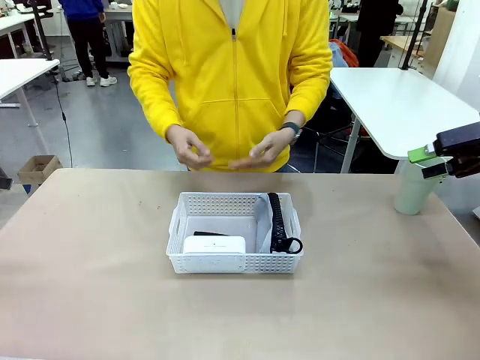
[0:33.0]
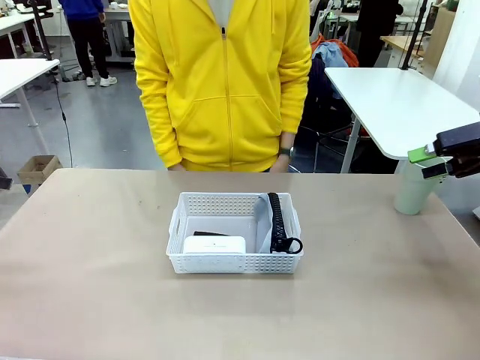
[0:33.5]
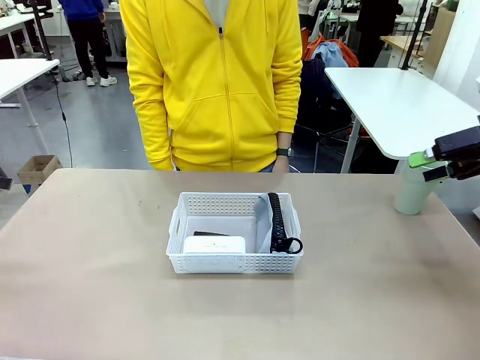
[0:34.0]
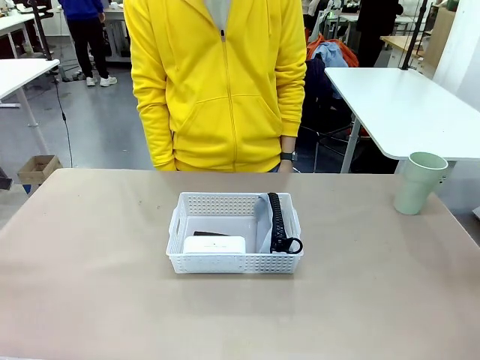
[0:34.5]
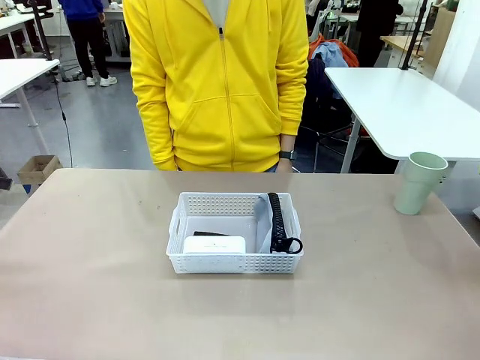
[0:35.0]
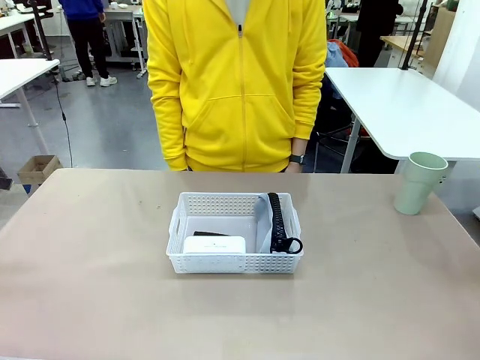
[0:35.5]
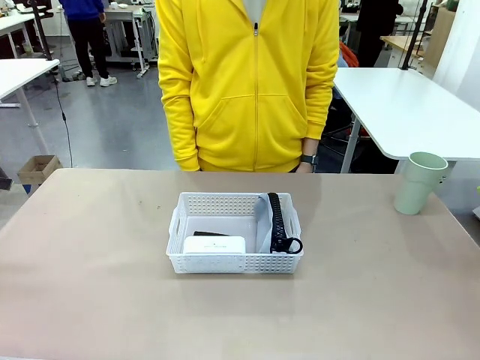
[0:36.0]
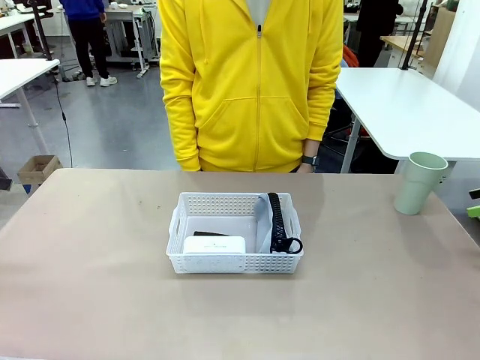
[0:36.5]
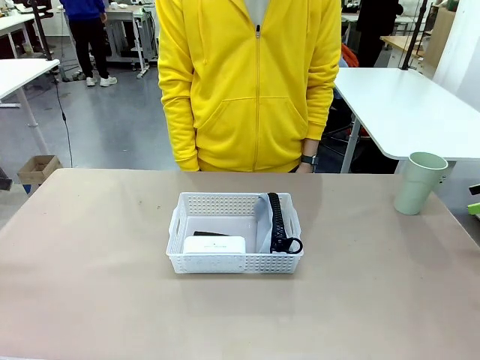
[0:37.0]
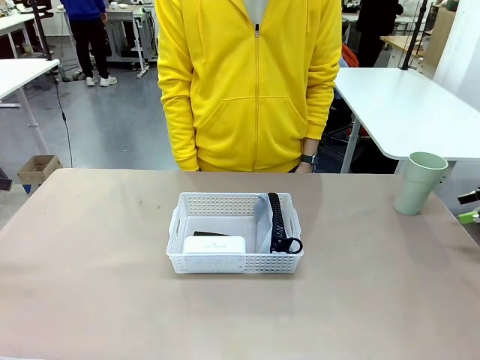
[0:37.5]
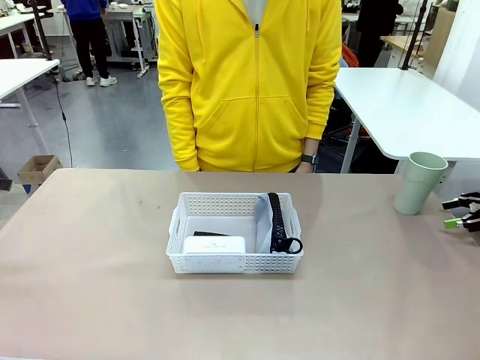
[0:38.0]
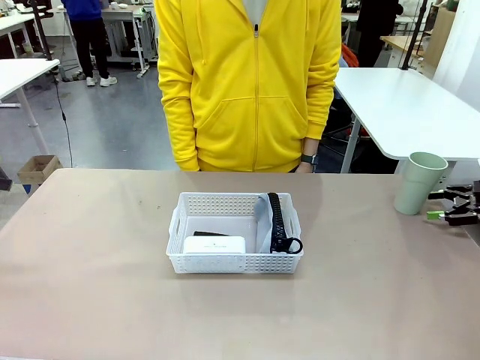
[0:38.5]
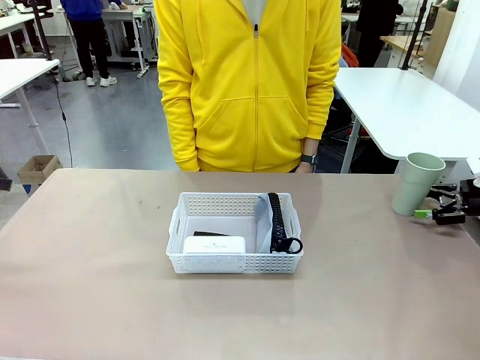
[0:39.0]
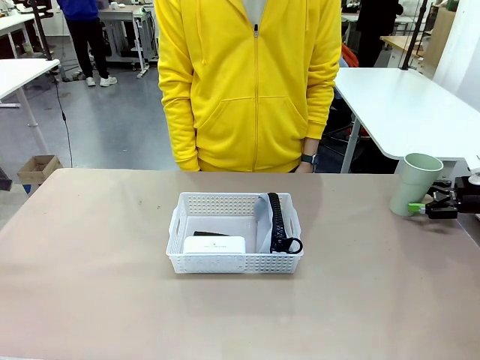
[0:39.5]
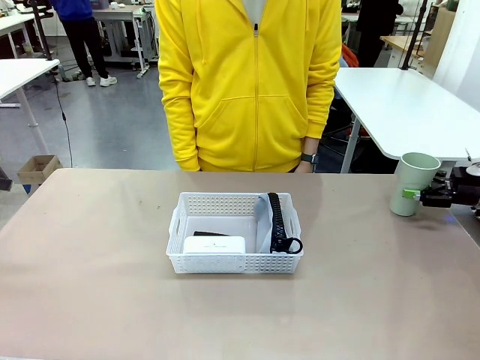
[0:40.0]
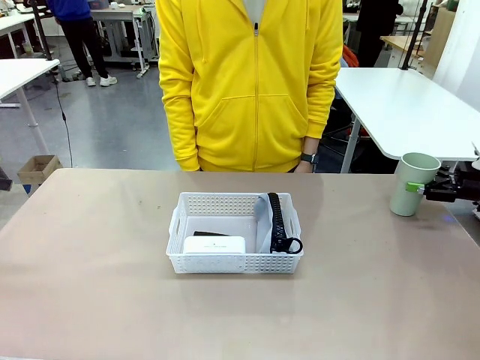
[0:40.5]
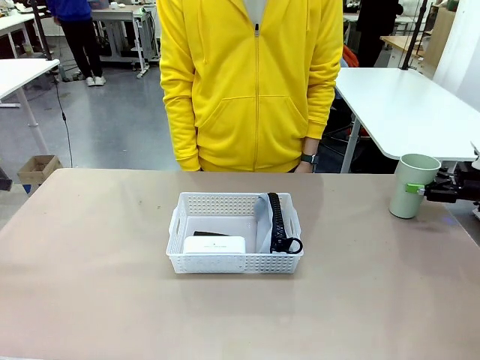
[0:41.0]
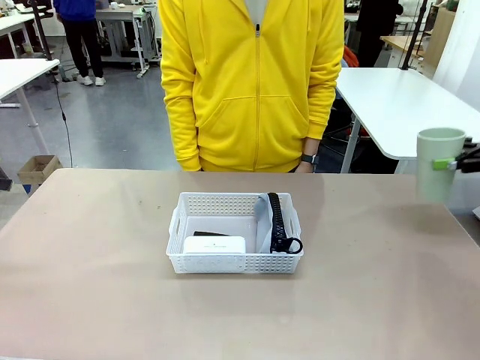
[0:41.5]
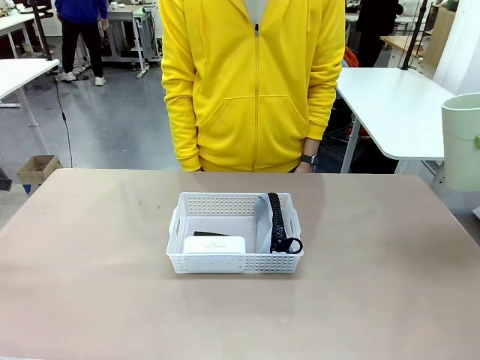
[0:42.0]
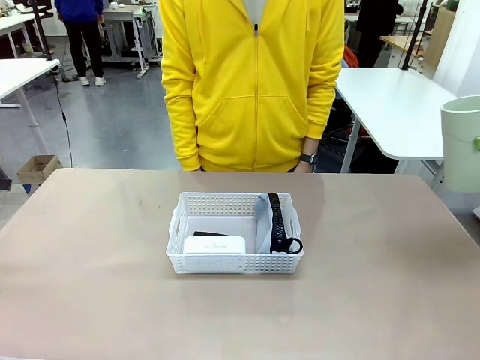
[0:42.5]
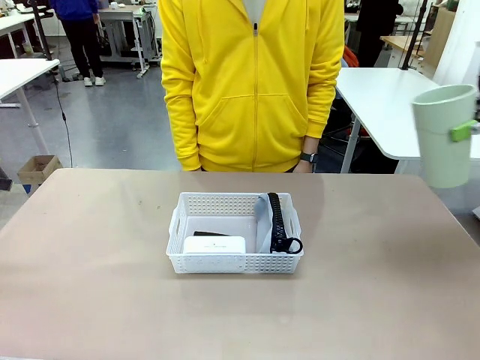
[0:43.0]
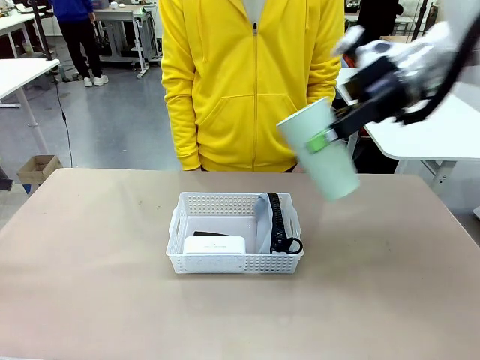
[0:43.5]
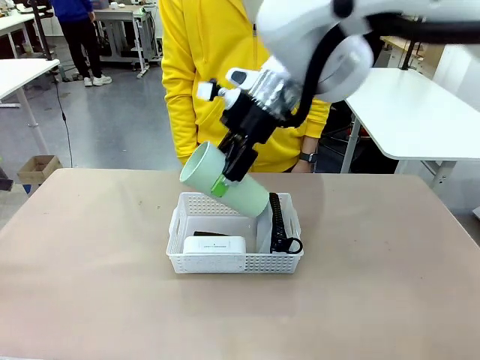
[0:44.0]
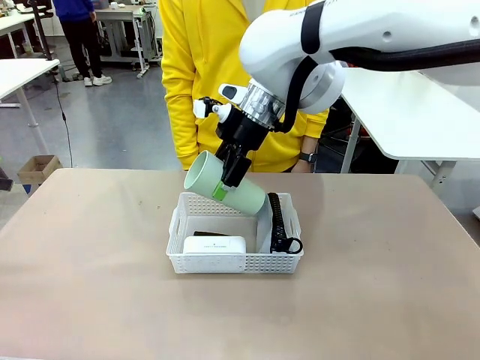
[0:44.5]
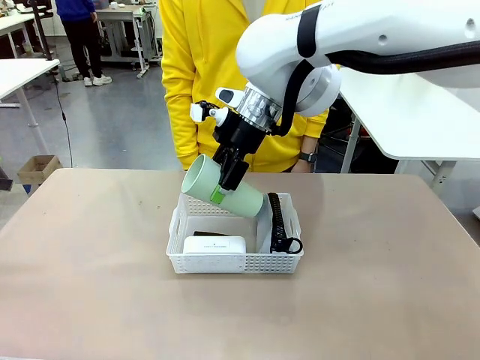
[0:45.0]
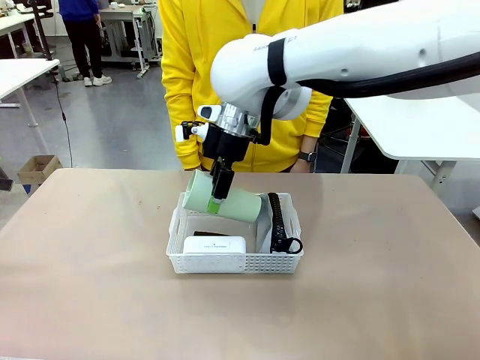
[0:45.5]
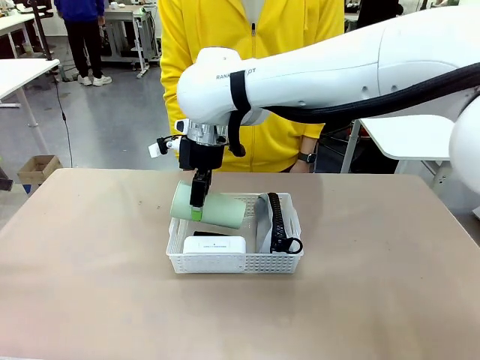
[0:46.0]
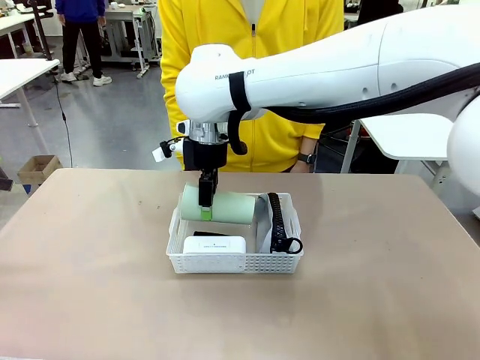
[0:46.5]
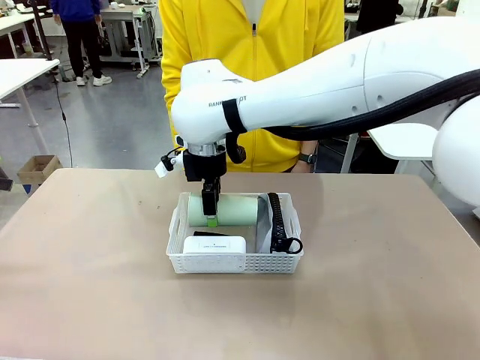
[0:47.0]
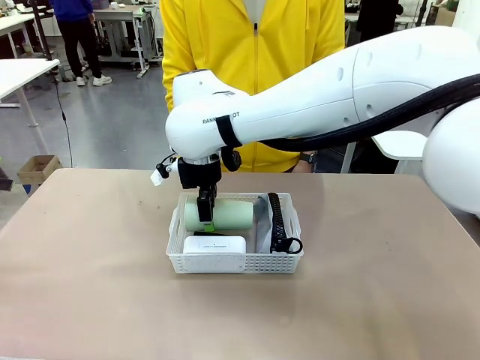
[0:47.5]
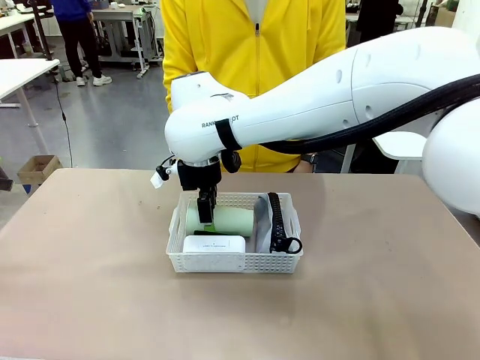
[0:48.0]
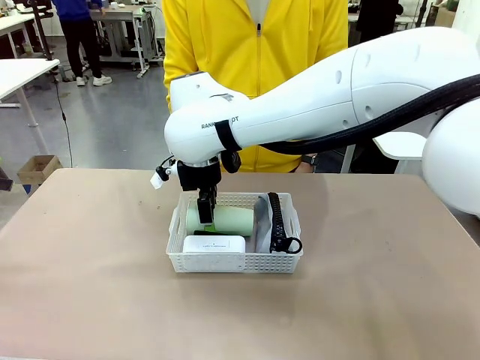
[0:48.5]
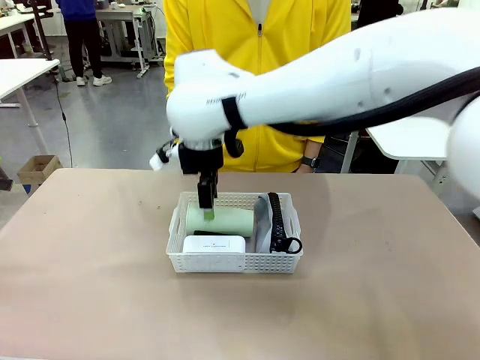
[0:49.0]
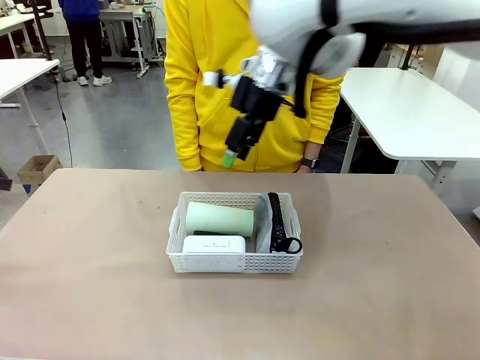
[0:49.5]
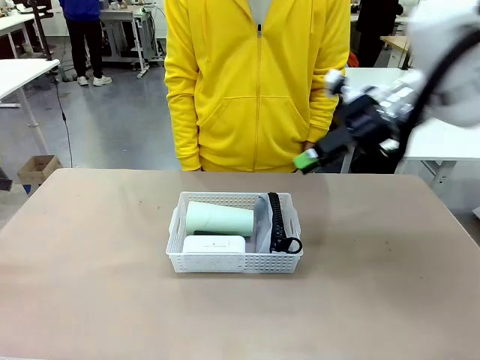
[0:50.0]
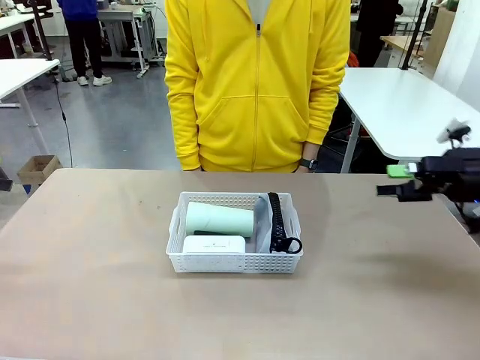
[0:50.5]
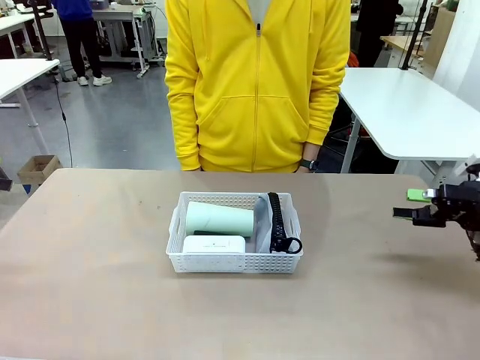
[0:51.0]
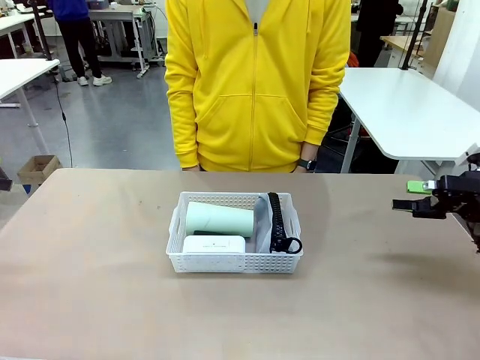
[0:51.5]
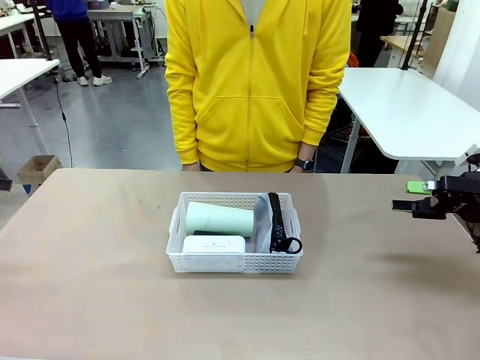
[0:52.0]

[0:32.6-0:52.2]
Task: Efficiently arrange items inside the basket to fit them all.
Robot: Pick up the Reusable plastic cup and place it inside the Organizing basket.
Person: Repositions the stapler.

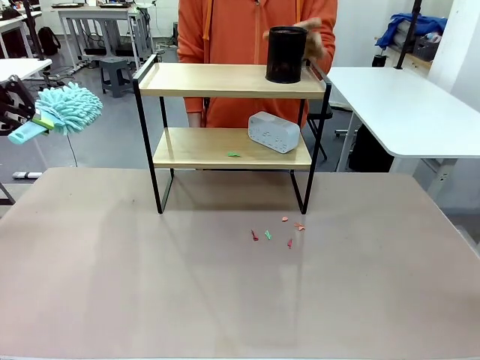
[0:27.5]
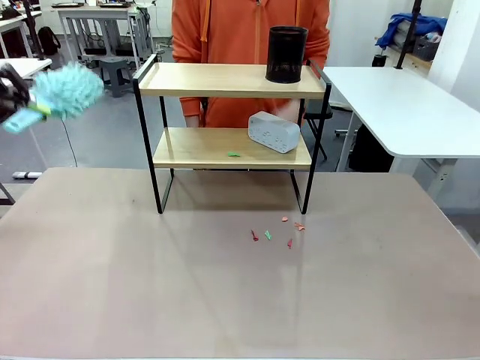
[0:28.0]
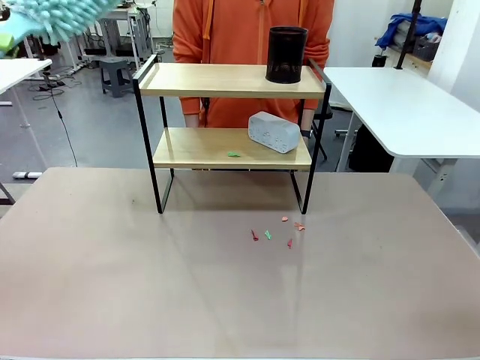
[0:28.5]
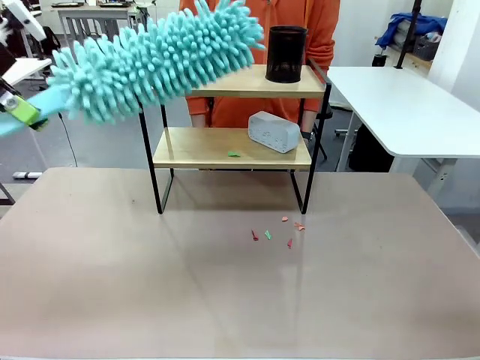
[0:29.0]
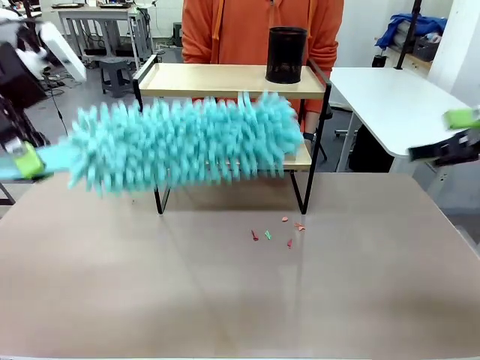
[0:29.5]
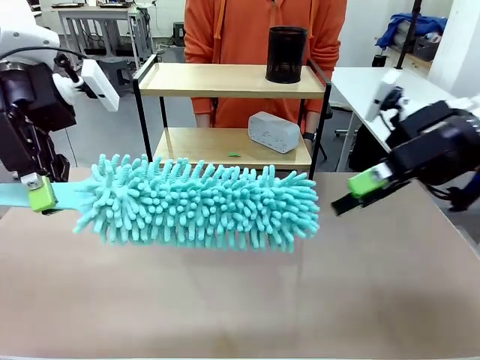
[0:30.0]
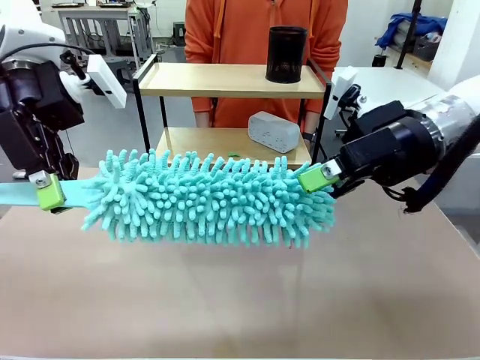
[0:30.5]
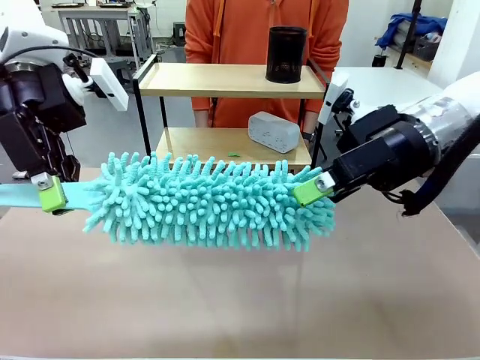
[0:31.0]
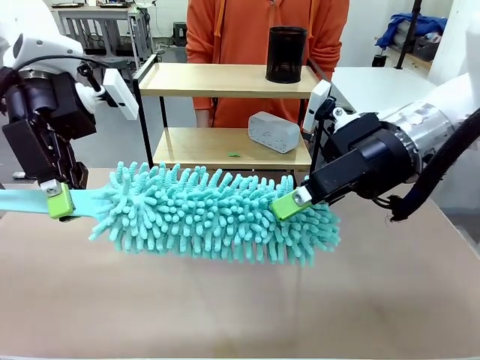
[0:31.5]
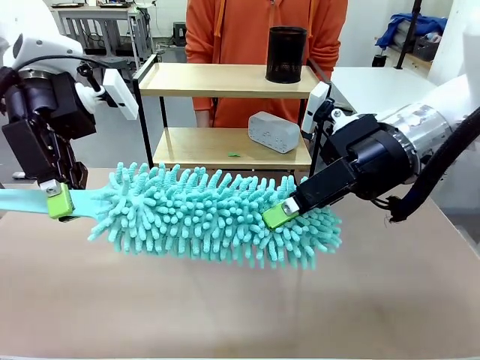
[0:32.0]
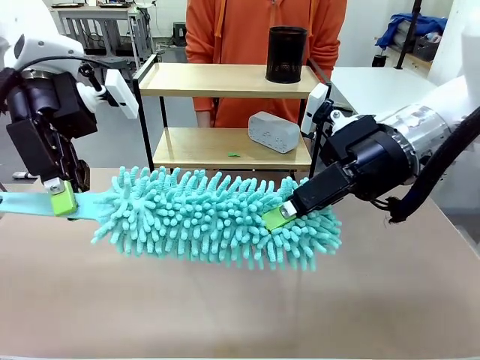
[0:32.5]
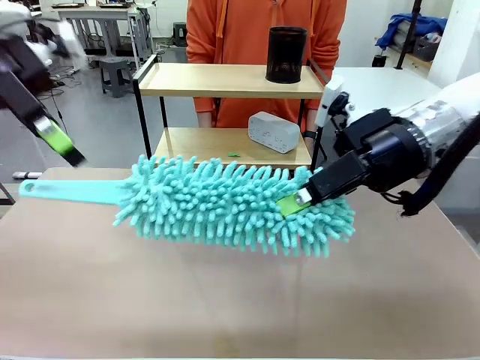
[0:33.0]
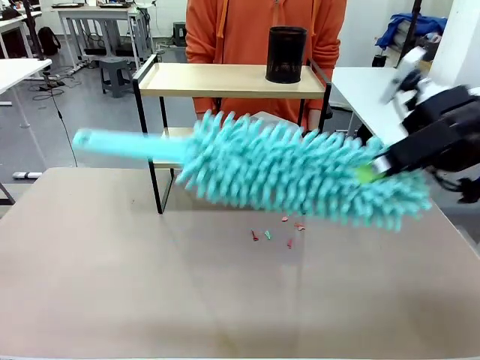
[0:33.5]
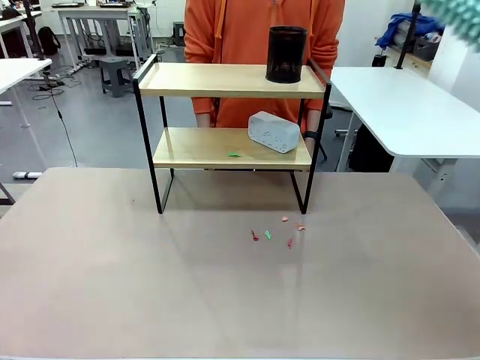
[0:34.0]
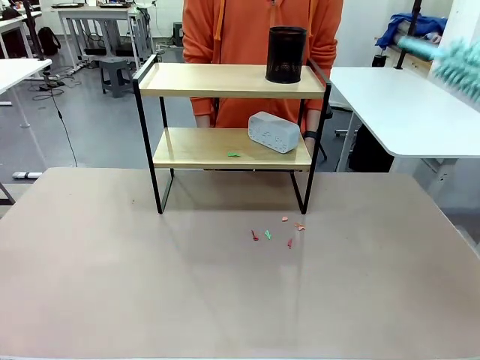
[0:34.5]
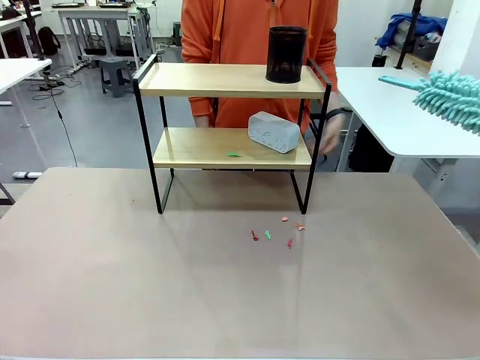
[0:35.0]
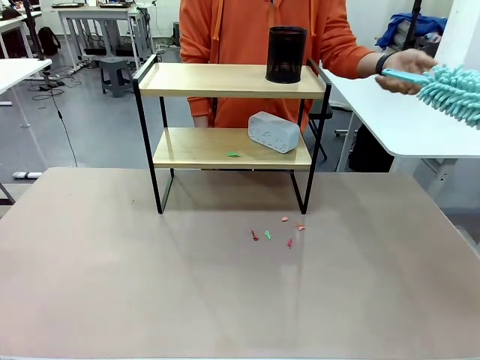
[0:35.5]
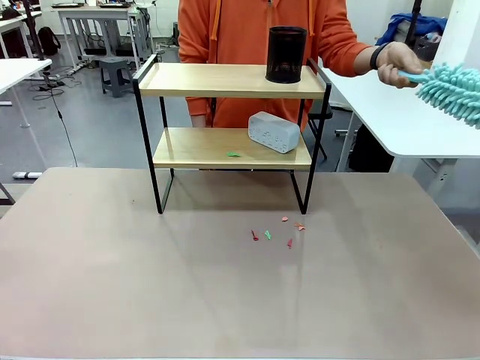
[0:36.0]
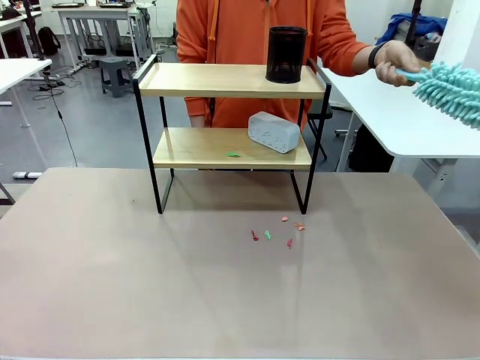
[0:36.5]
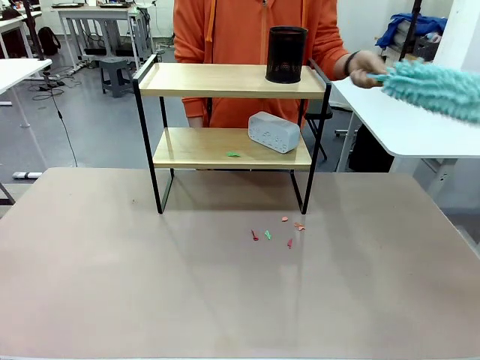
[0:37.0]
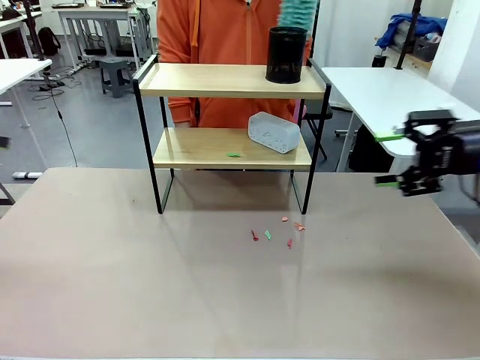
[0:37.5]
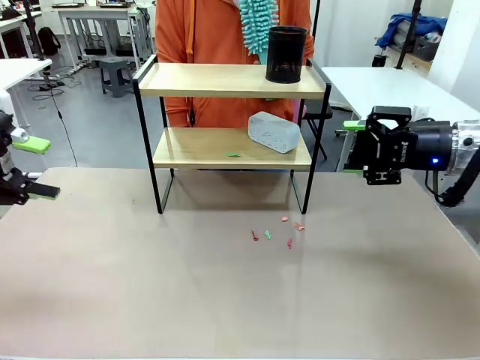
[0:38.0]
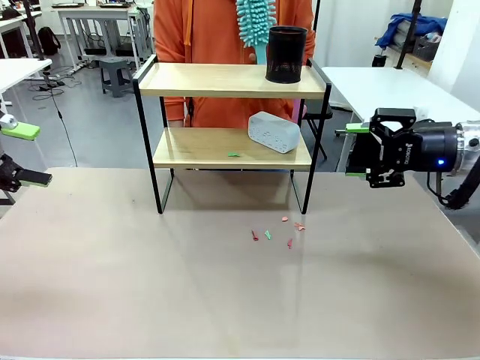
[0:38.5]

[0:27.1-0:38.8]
Task: Clean the shelf.
Robot: Hand the Duster back to the human.
Person: Receive the Duster from the robot.
